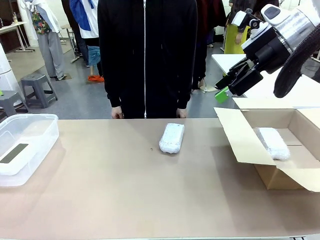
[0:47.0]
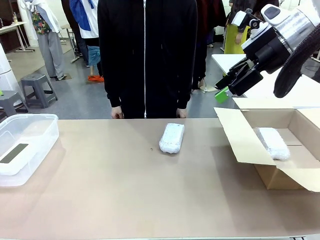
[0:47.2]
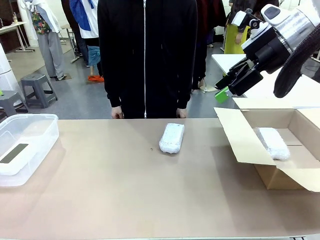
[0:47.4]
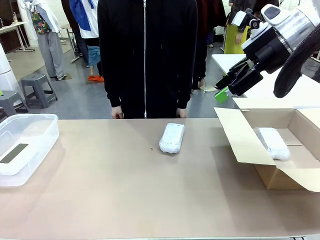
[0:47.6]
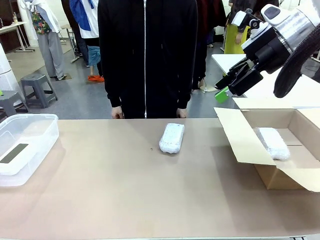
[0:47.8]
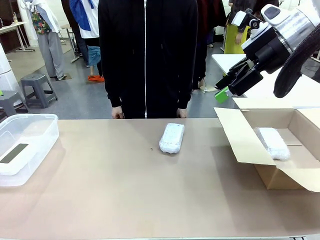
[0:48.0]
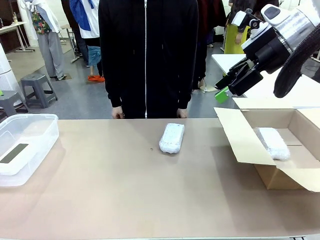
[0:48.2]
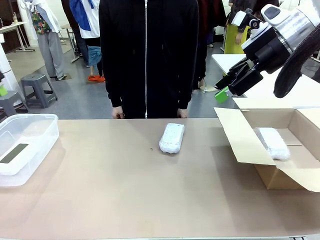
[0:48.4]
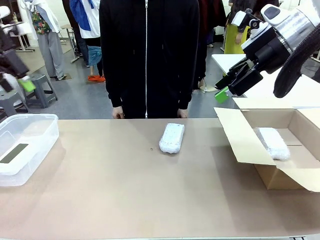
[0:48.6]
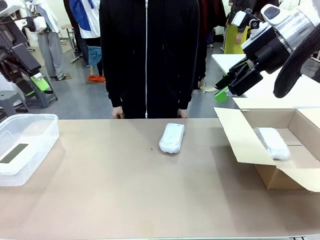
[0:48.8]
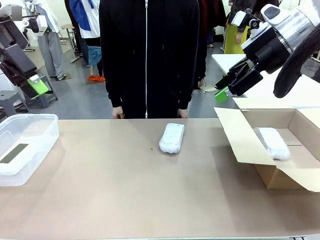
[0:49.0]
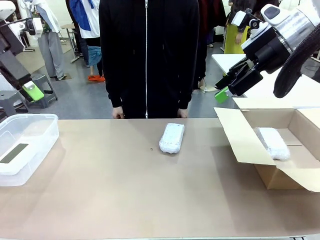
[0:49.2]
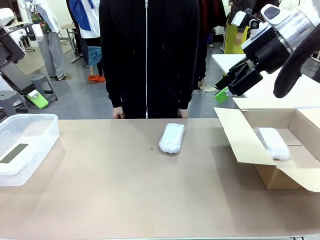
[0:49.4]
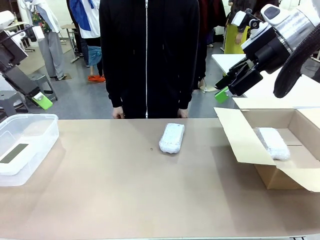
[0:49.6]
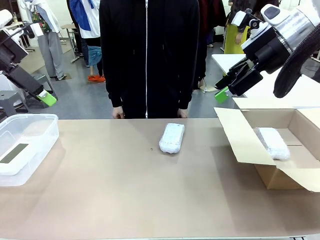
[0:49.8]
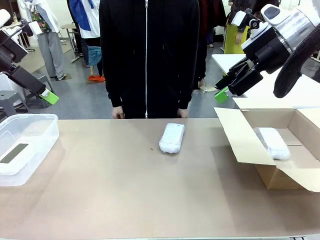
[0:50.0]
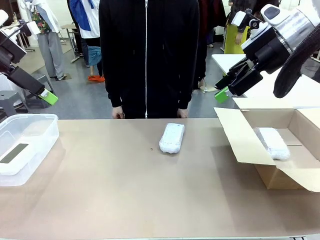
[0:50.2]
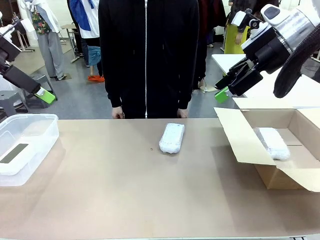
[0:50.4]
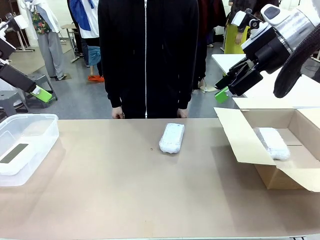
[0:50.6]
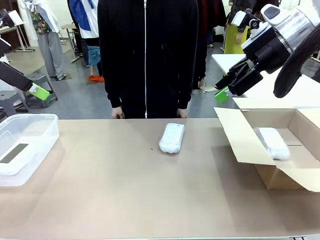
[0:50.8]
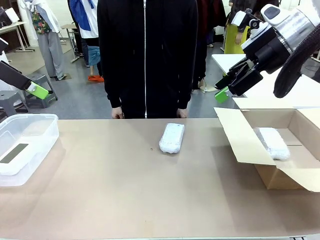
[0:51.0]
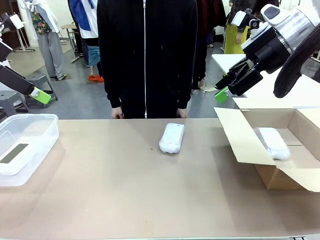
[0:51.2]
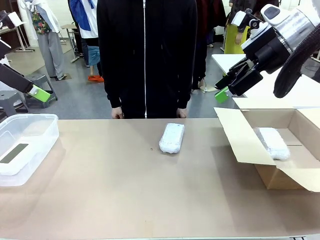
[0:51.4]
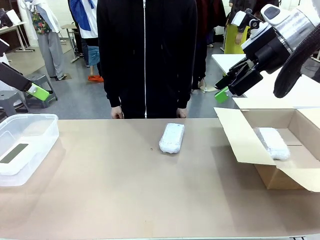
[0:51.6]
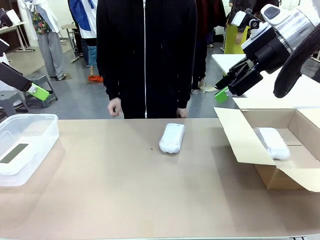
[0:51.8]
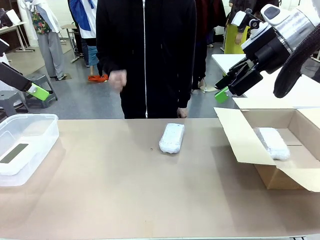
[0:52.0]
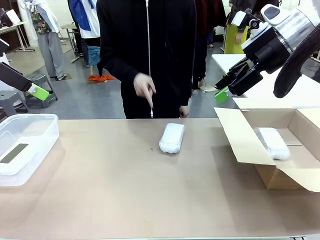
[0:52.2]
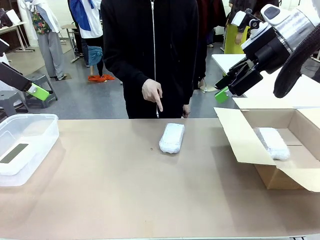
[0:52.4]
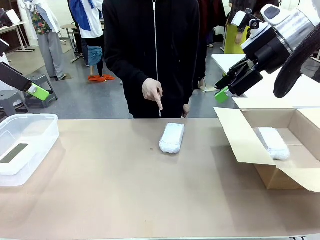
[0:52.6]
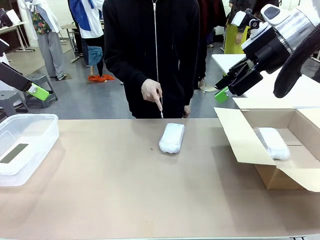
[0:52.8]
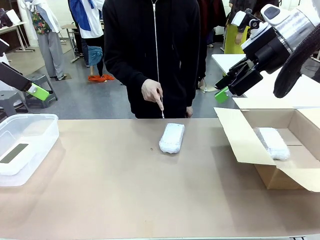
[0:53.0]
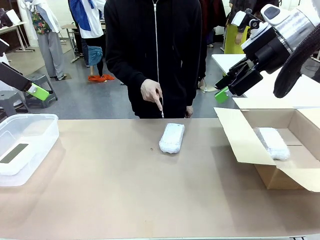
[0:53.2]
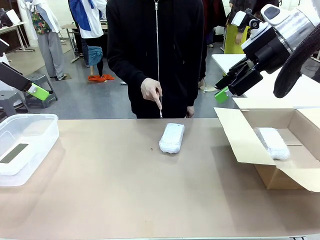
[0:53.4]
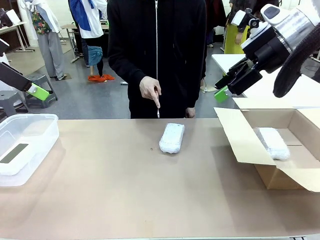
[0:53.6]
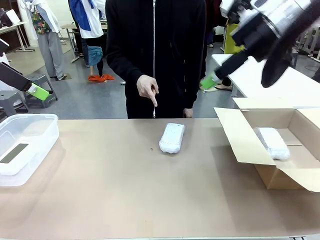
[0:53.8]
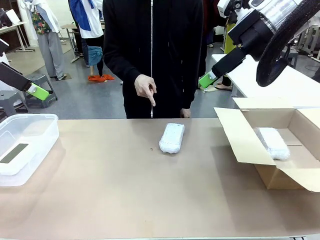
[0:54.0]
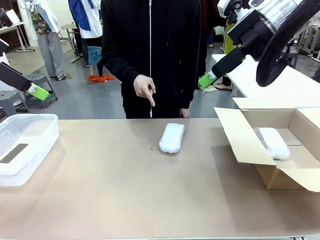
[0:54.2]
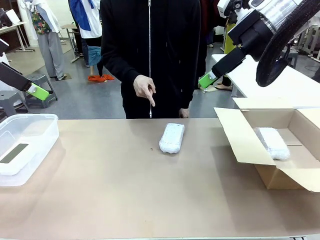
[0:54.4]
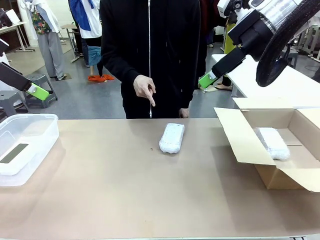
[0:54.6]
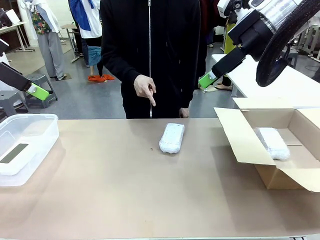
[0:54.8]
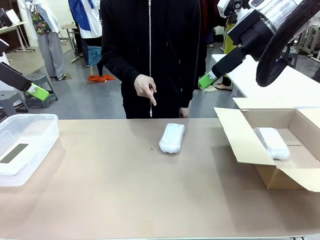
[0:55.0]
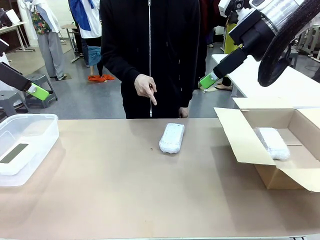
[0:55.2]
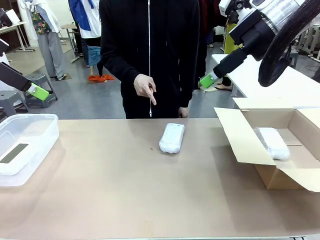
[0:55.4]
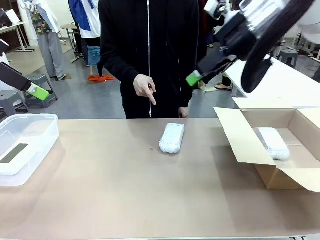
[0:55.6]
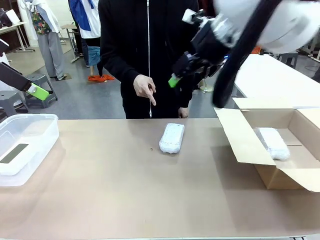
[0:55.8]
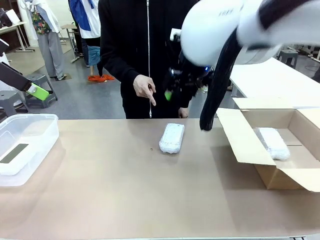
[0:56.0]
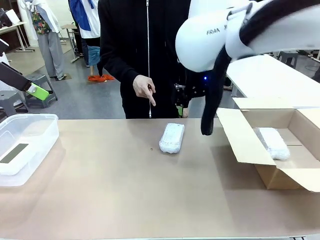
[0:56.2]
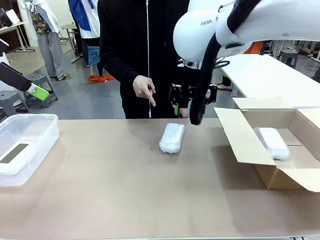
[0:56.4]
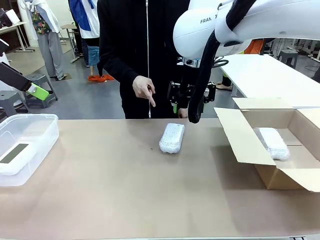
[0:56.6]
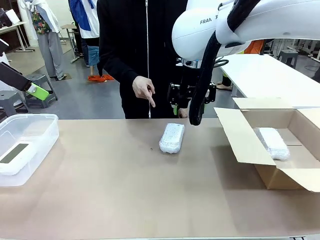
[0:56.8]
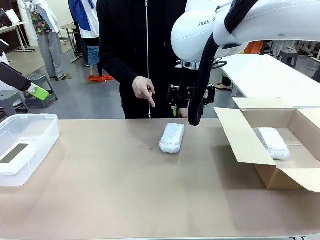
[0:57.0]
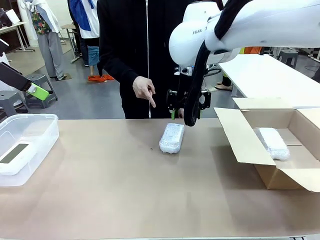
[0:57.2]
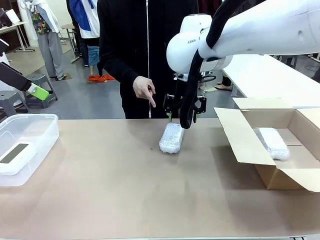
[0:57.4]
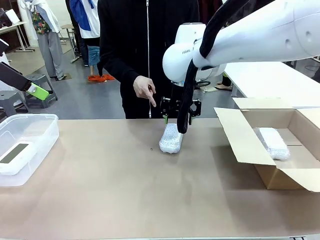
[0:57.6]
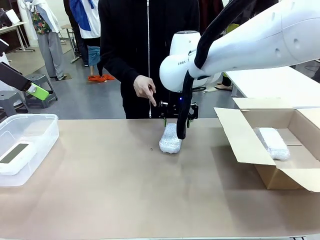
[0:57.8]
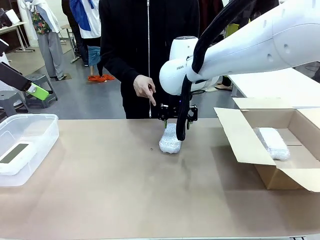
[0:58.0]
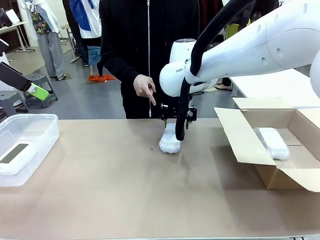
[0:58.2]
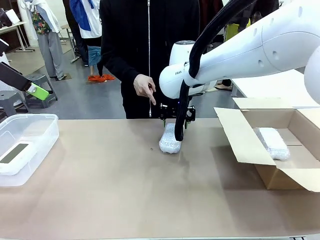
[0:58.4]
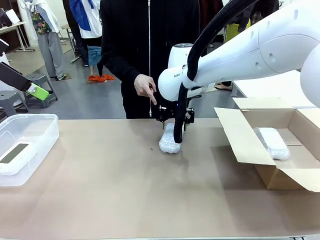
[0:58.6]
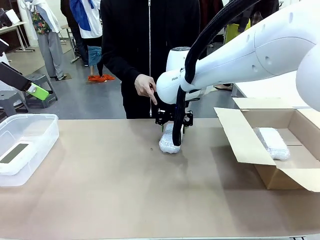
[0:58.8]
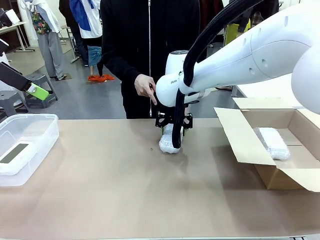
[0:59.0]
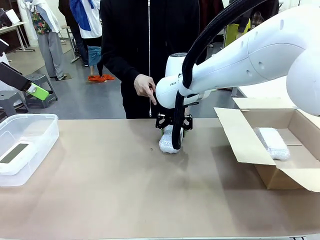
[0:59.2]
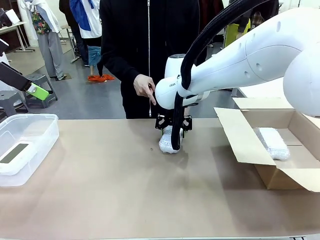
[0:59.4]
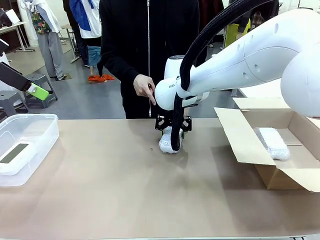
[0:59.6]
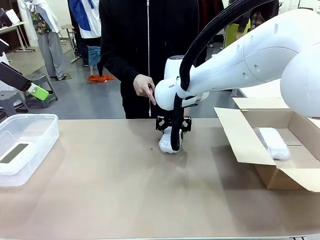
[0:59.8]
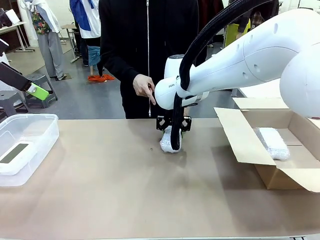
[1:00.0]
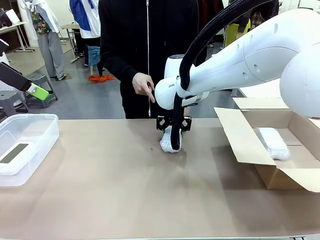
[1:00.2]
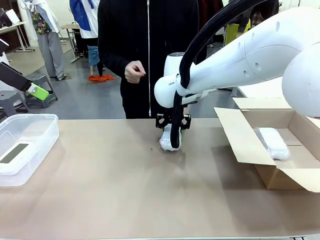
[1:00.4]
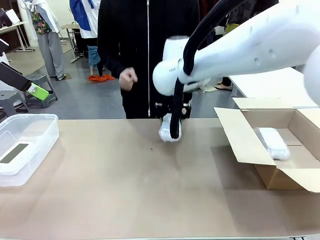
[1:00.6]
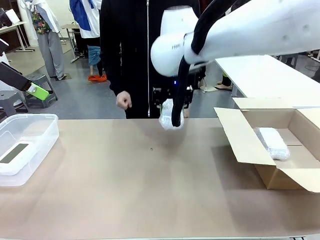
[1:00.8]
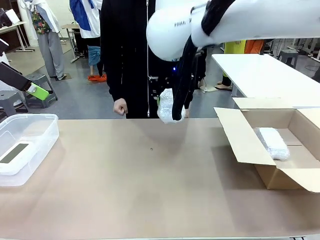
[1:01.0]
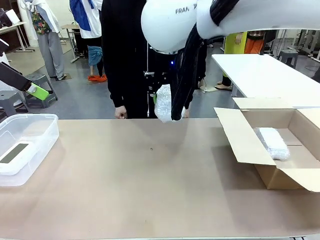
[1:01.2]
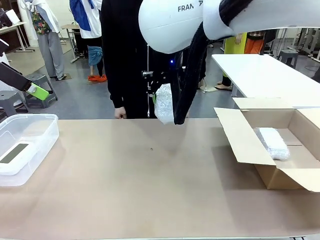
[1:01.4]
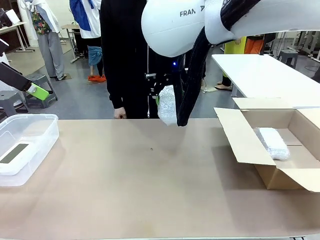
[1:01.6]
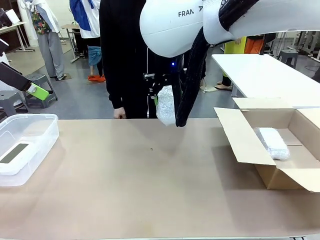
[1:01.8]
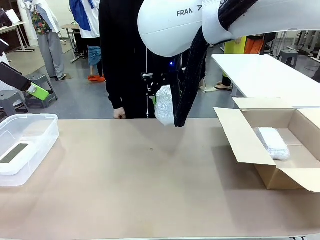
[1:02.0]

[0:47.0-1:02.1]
Task: Separate and place wrapped and unwrapped clocks.
Robot: Pick up the Digital clock indicated by the person.

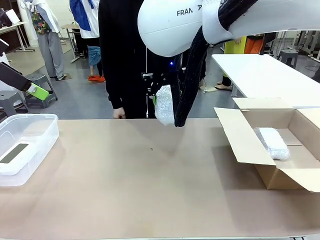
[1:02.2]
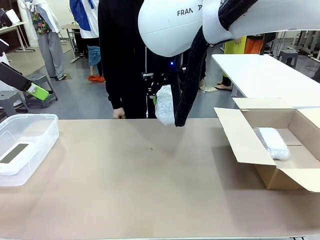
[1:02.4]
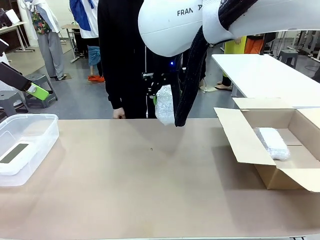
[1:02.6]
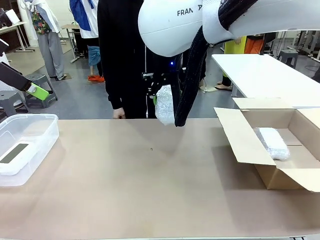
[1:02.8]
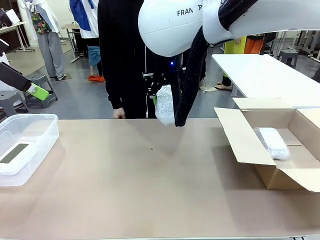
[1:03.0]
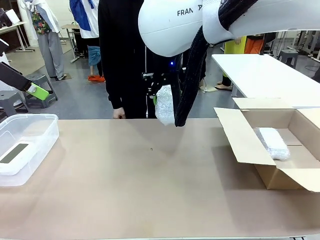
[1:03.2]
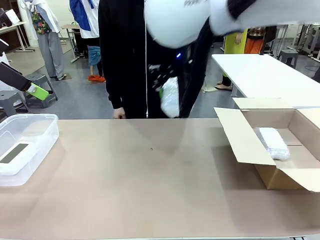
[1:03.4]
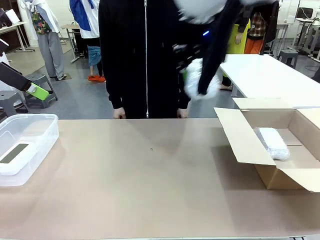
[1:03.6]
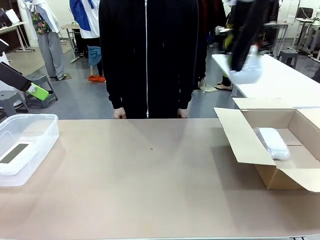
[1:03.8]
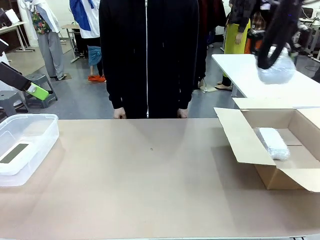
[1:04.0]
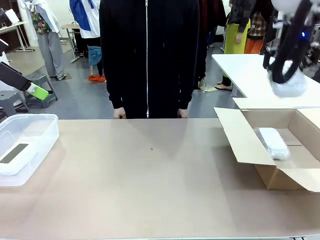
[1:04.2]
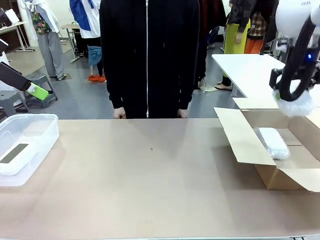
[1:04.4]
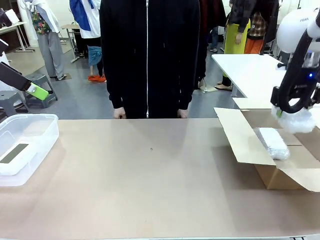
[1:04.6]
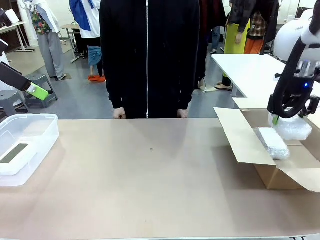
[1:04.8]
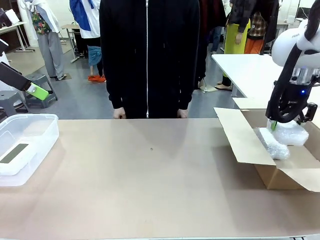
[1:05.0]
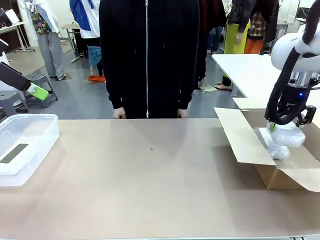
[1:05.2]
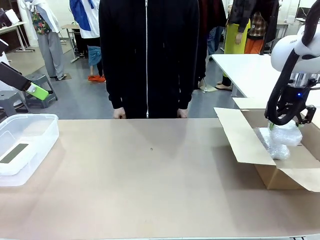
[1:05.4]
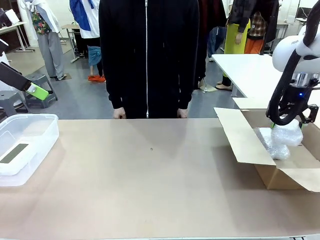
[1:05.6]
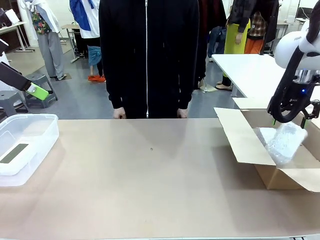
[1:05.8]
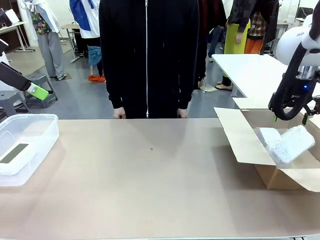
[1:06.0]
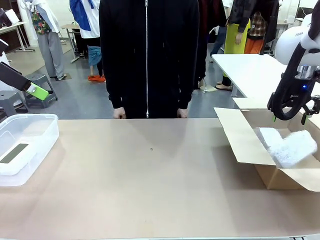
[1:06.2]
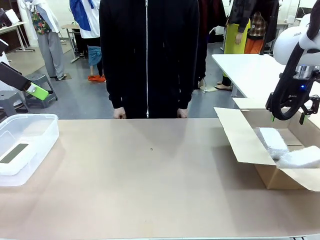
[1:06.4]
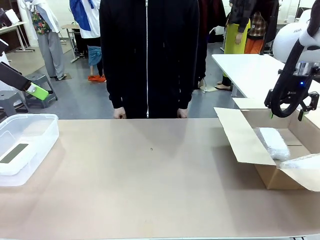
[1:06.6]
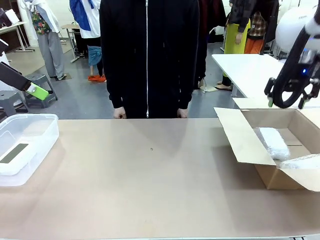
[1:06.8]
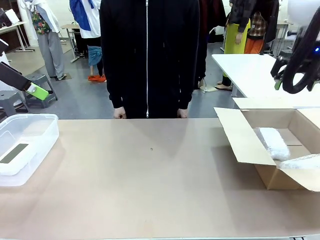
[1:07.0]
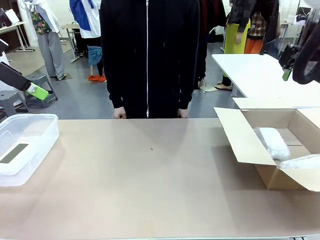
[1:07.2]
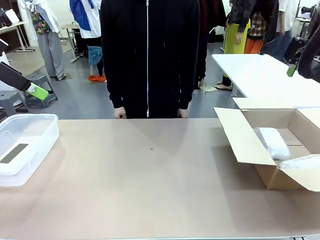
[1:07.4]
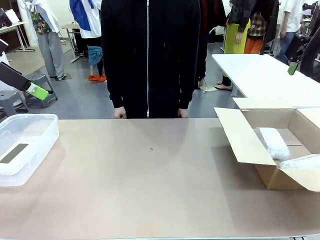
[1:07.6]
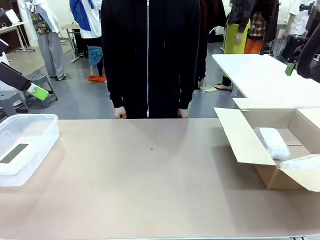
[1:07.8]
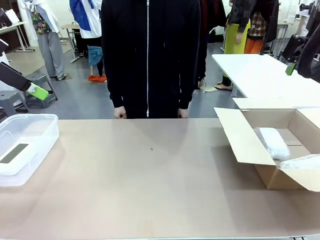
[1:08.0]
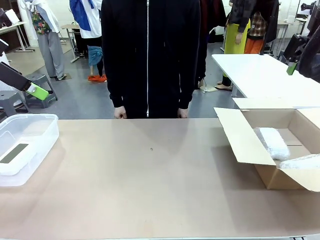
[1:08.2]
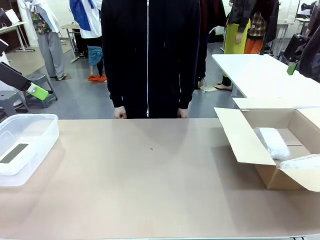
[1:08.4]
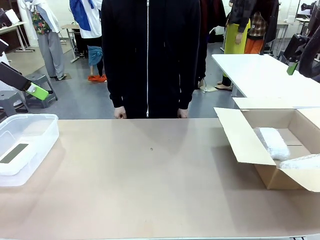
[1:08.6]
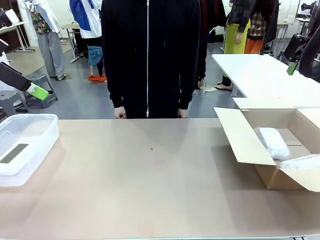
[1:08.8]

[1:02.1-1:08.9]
Robot: If the picked Digital clock is wrapped, place it in the Package Box ; if not, place it in the Organizing box.
